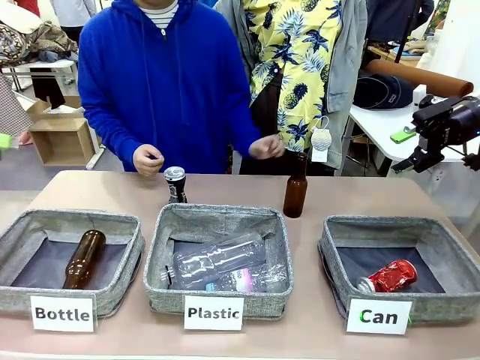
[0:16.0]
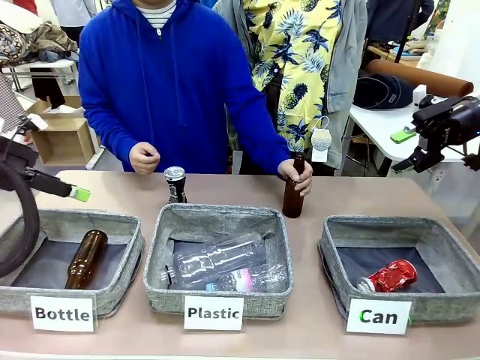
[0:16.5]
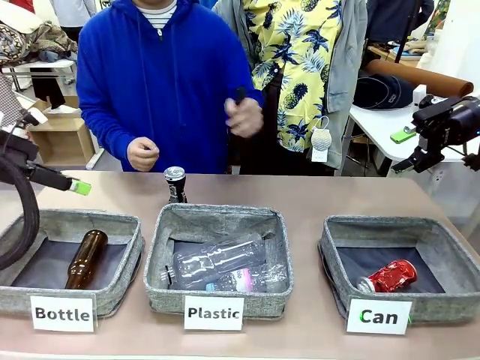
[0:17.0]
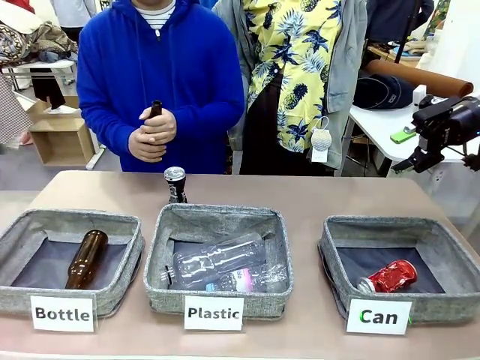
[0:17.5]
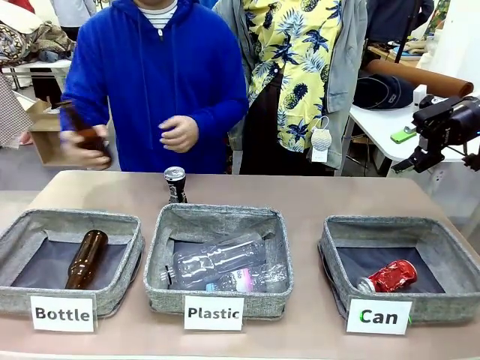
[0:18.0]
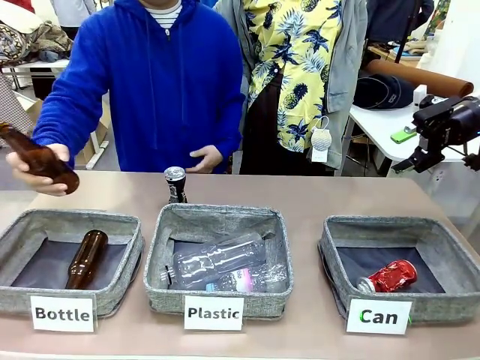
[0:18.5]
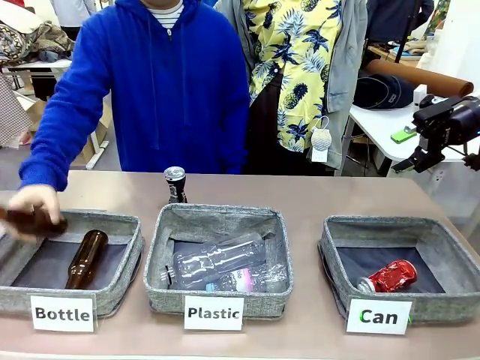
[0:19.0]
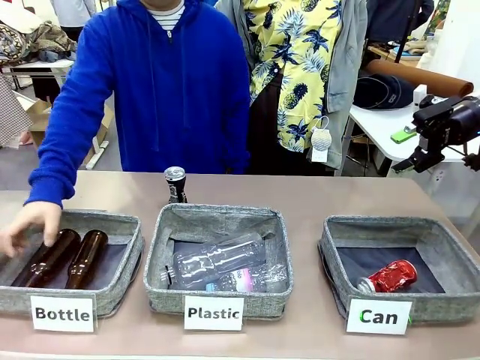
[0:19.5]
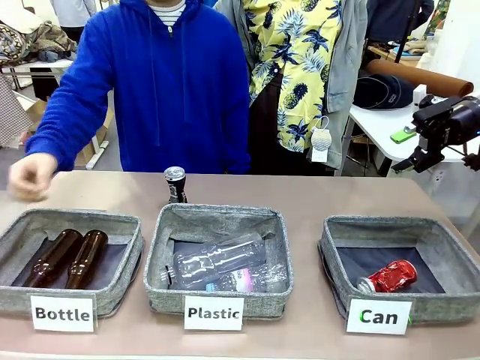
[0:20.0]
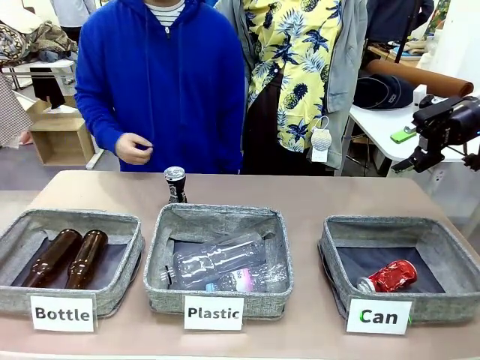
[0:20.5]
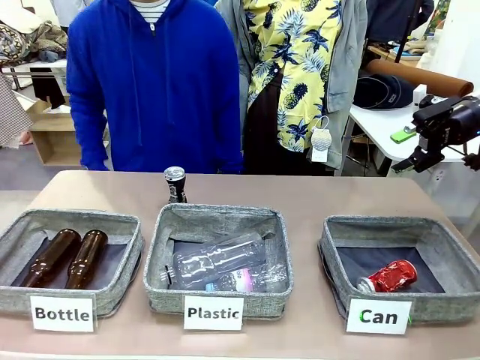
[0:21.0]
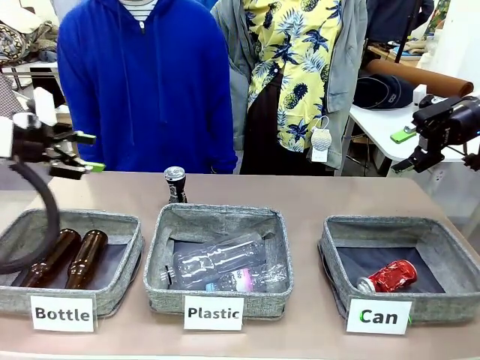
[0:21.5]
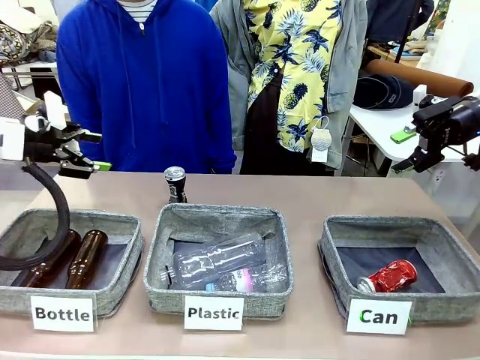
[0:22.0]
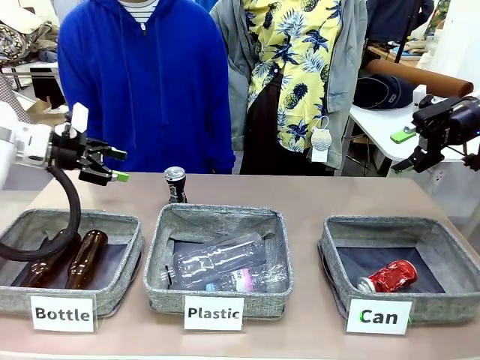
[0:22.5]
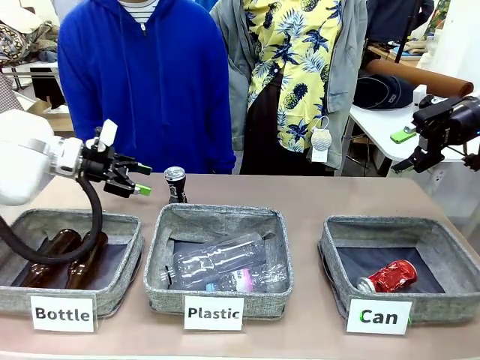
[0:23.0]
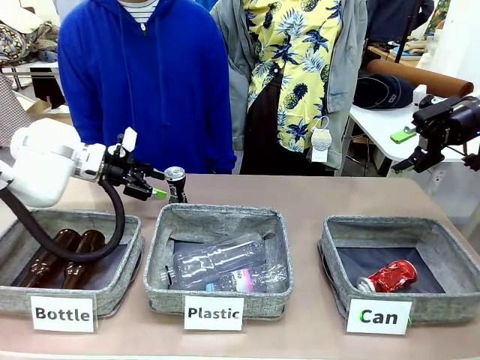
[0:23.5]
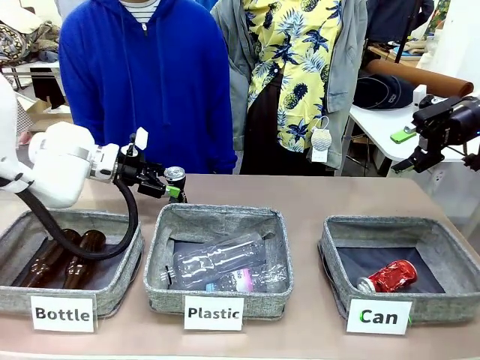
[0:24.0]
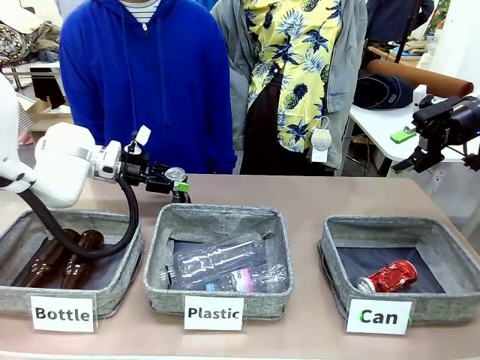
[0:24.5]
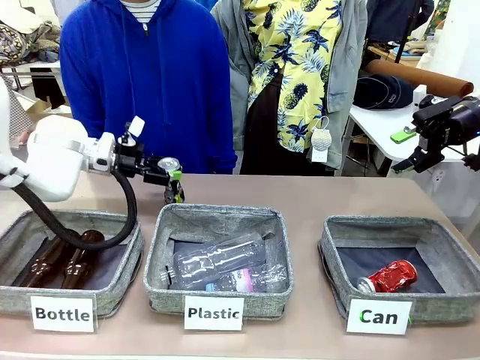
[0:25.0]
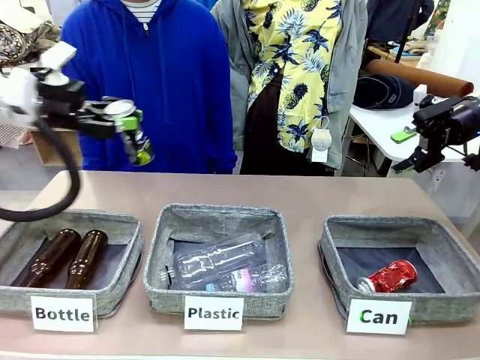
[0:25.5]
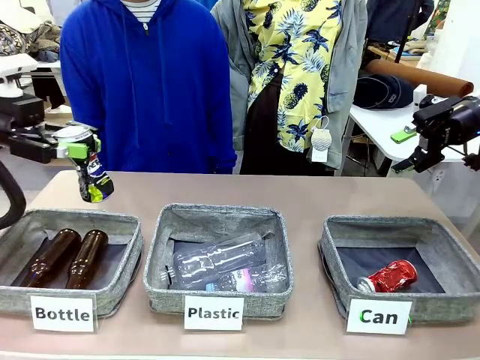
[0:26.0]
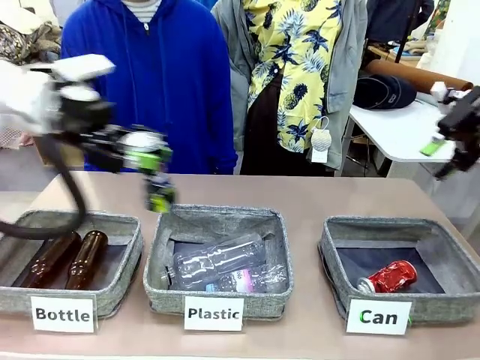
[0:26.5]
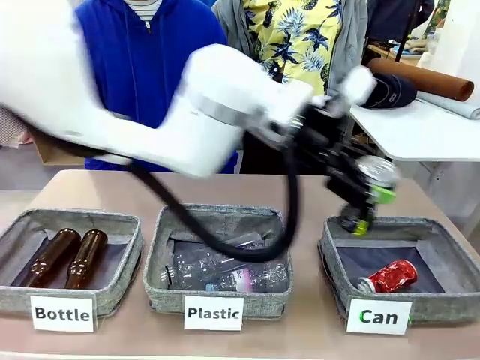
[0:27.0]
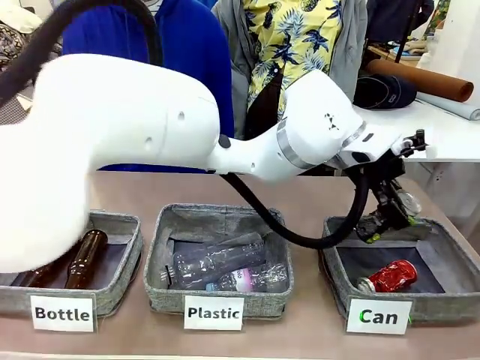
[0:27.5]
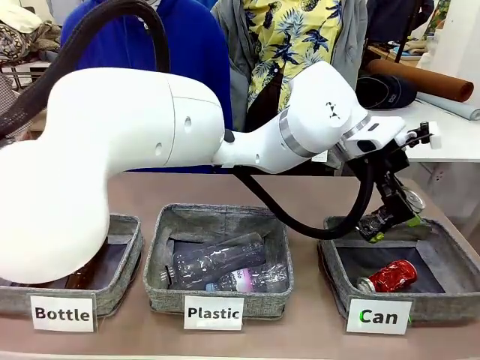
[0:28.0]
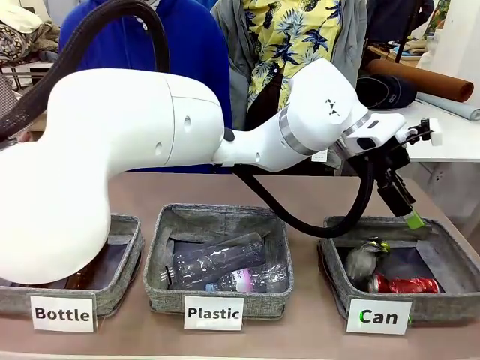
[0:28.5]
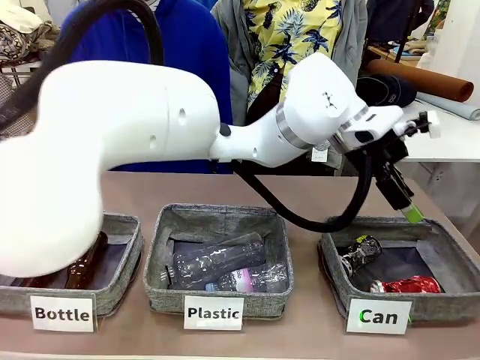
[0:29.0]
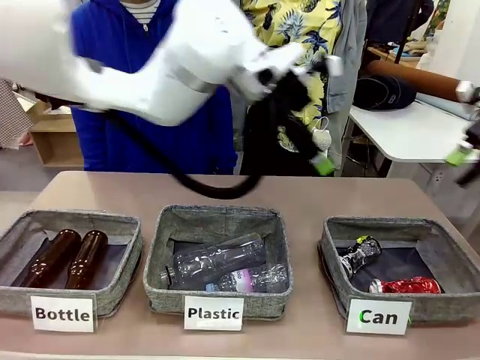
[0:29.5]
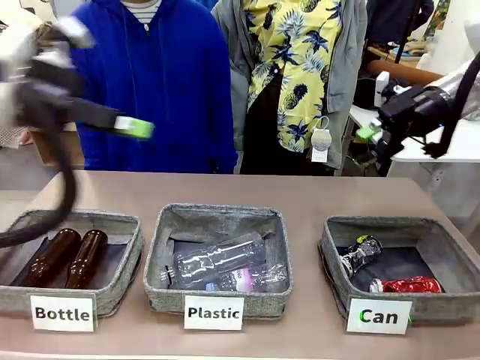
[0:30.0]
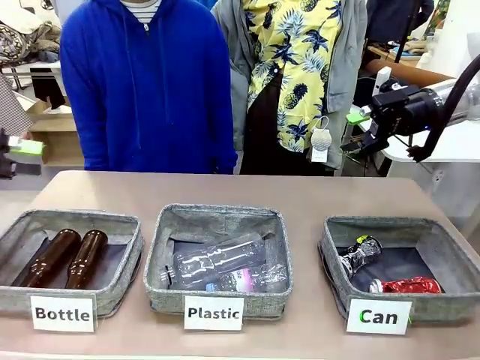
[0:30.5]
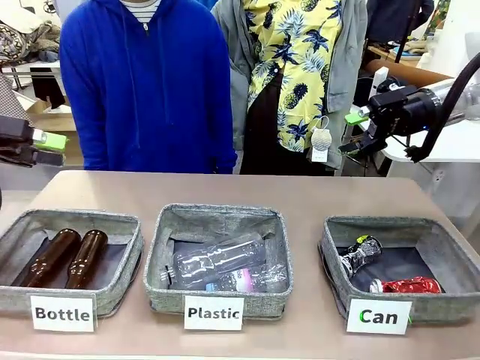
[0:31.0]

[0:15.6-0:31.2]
Task: Sort the can waste into the basket.
Robot: Pick up the can waste from the table and place it in the right Fabric basket.

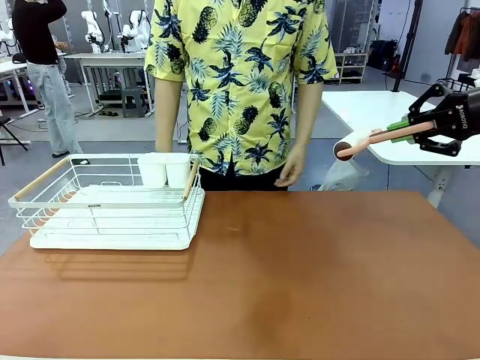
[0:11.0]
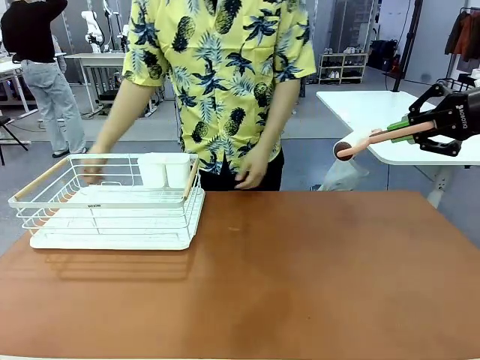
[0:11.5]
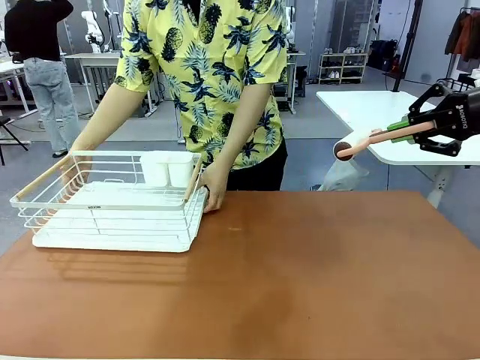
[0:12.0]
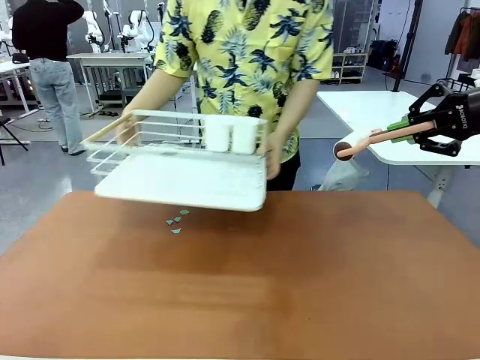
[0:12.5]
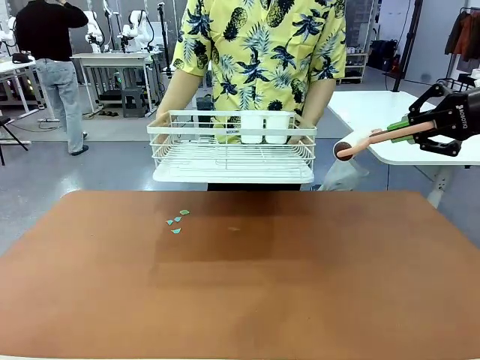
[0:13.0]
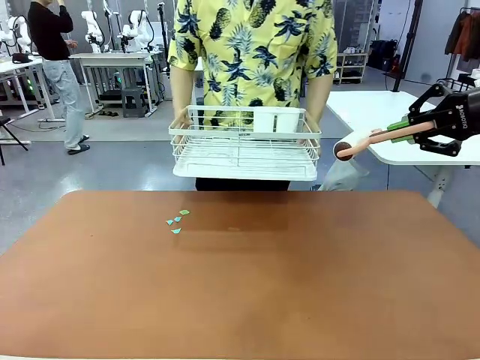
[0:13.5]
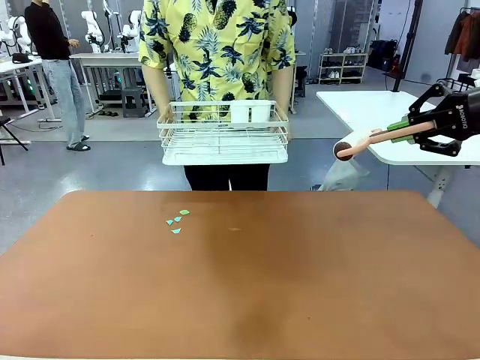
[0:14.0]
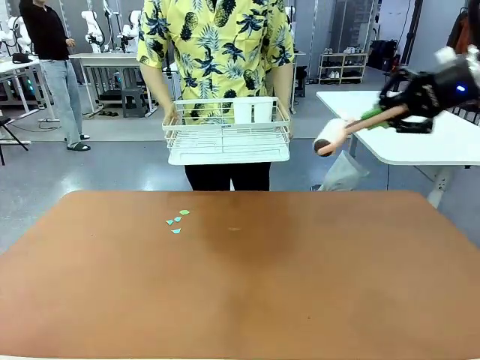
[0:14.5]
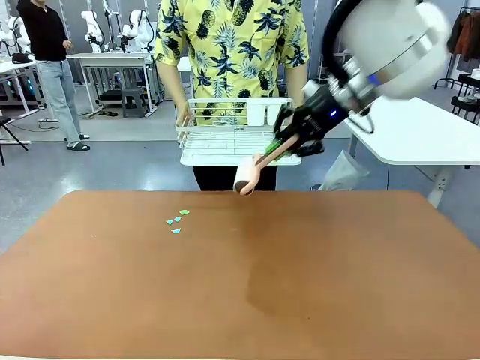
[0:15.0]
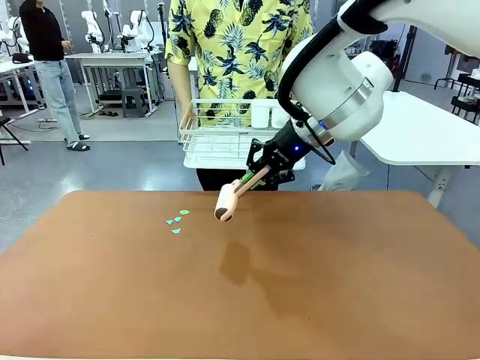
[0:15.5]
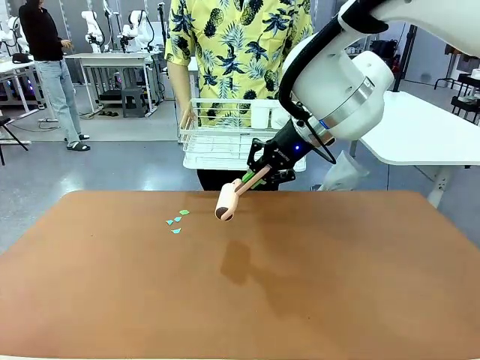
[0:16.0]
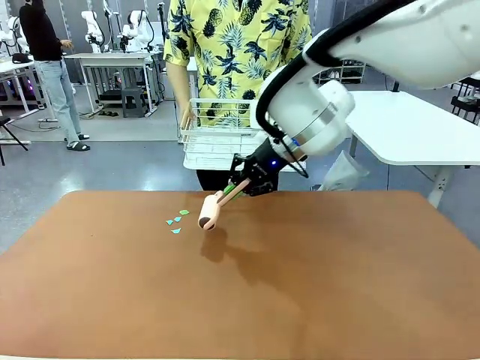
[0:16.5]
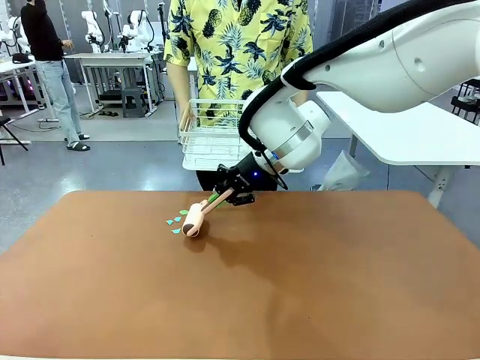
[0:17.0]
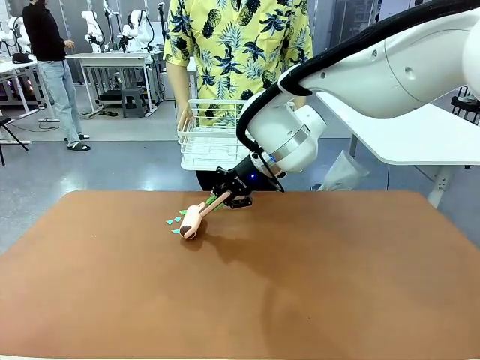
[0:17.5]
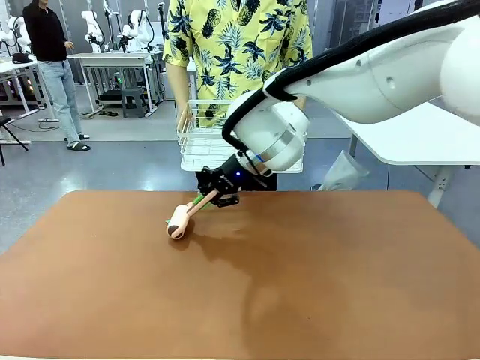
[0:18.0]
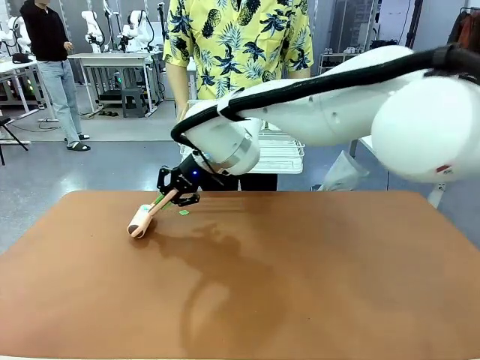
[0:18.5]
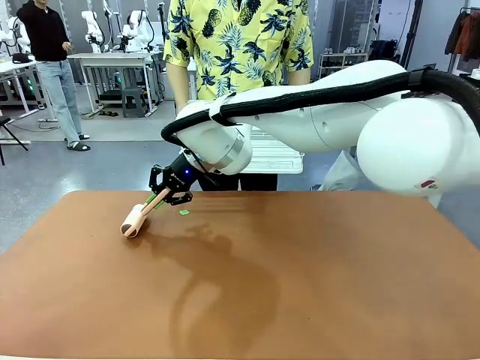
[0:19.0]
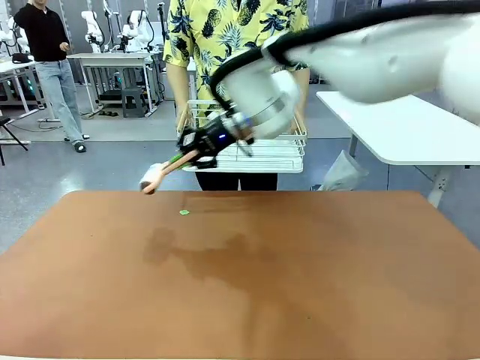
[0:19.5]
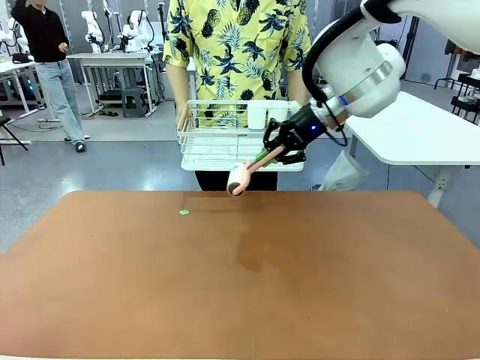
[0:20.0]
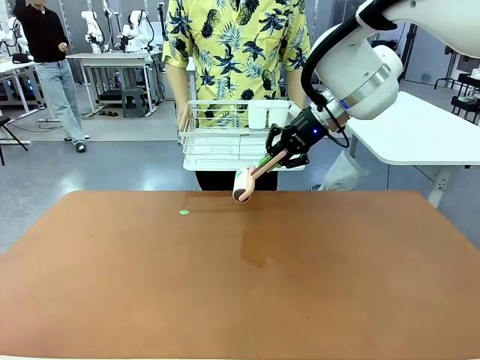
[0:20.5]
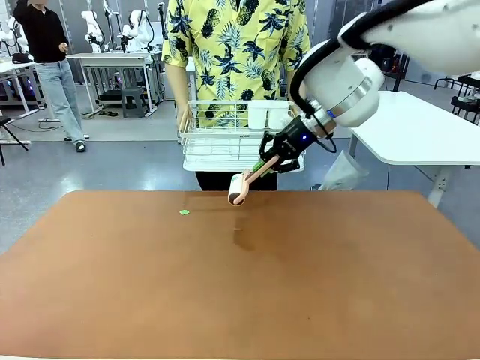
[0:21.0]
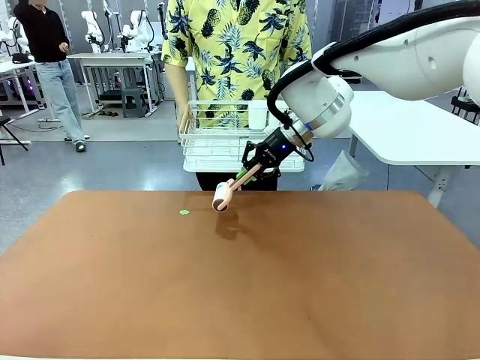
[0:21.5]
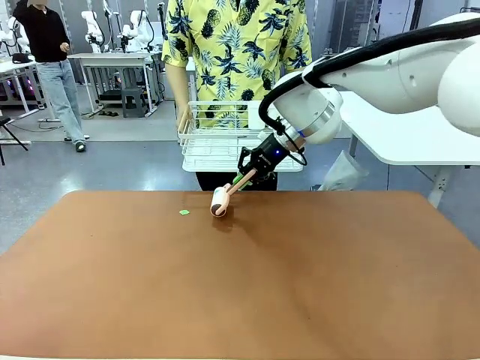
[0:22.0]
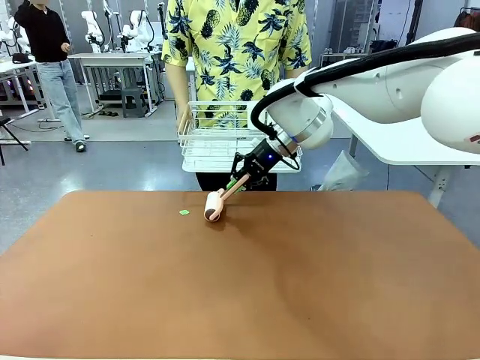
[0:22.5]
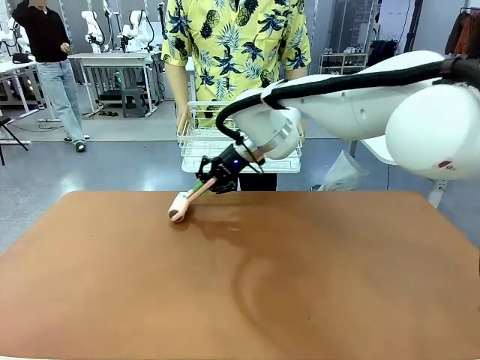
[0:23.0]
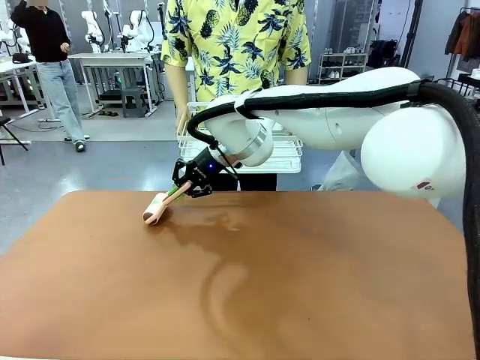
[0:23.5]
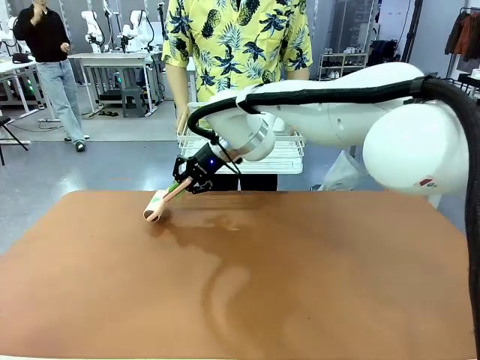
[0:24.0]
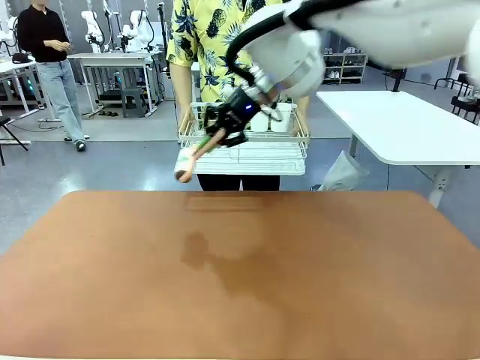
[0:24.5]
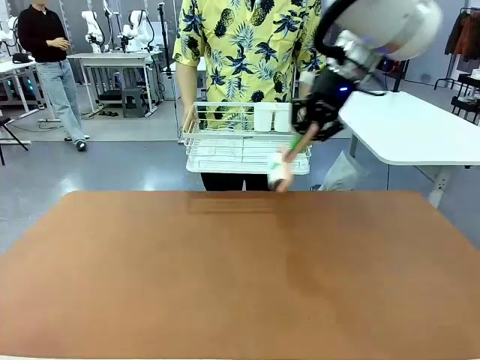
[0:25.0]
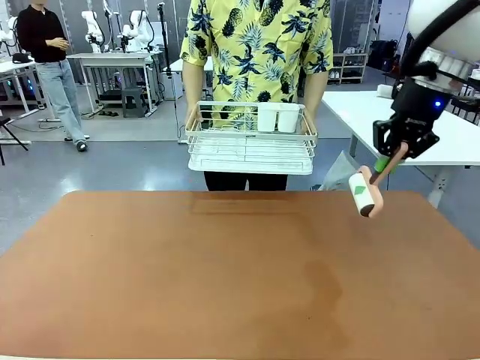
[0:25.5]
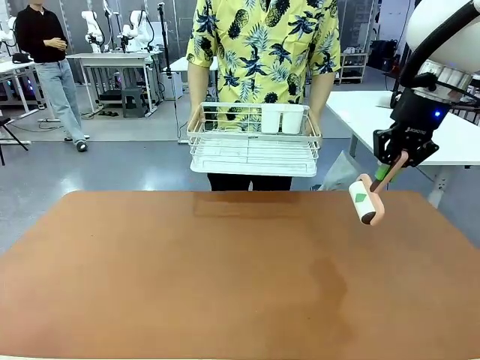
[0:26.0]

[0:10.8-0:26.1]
Task: Clean the table.
Robot: Clean the table with the Lint Roller when the human lifts the Dish drying rack.
Person: Place the Dish drying rack down when the robot finishes cleaning.
